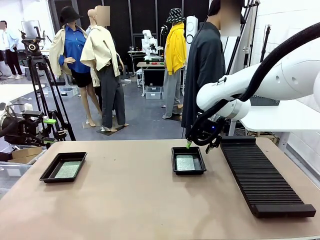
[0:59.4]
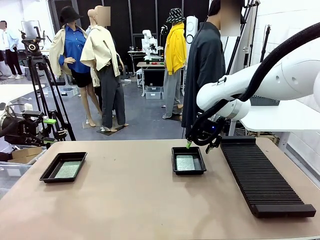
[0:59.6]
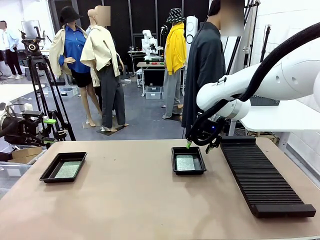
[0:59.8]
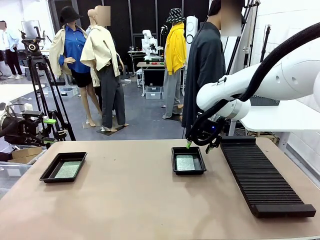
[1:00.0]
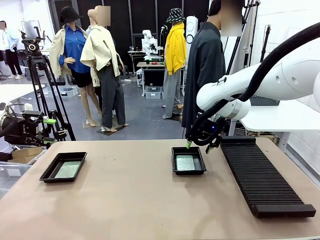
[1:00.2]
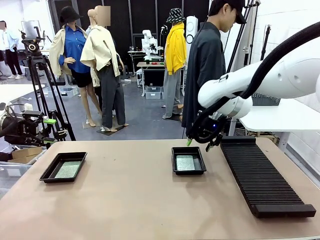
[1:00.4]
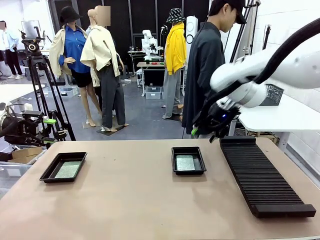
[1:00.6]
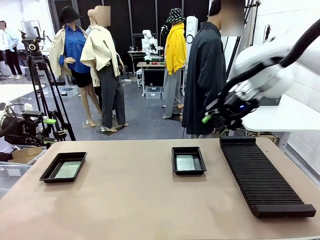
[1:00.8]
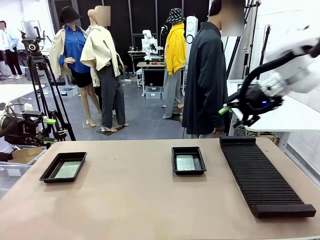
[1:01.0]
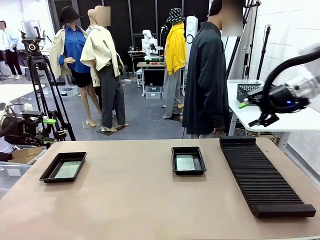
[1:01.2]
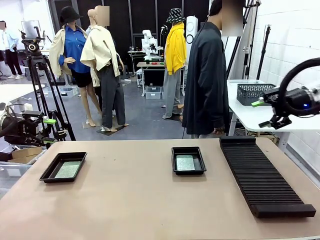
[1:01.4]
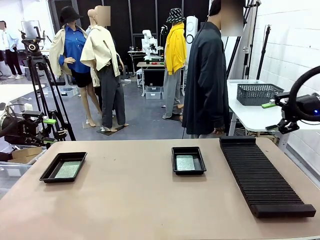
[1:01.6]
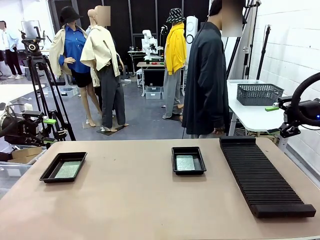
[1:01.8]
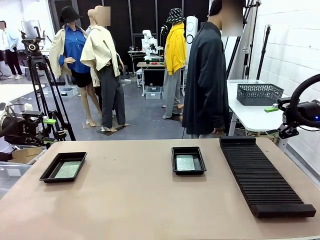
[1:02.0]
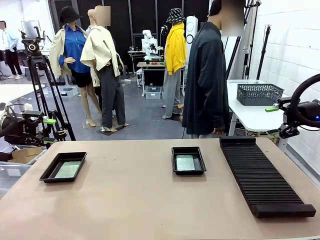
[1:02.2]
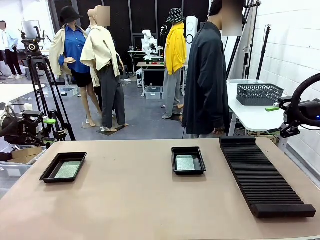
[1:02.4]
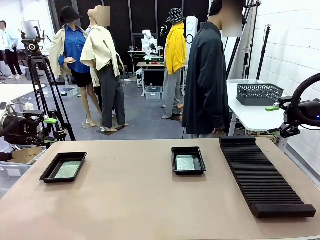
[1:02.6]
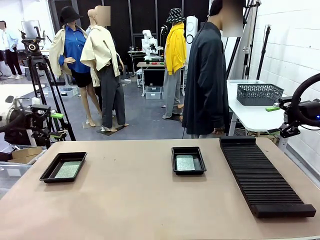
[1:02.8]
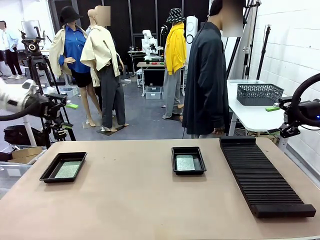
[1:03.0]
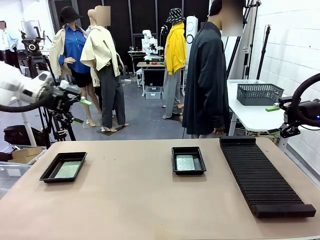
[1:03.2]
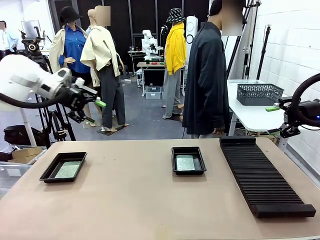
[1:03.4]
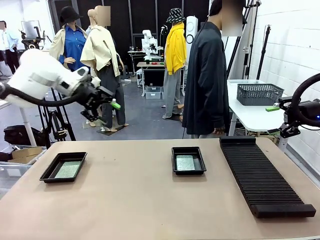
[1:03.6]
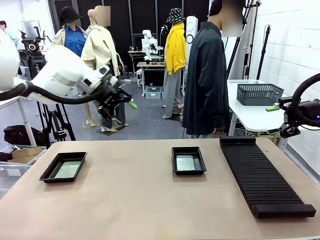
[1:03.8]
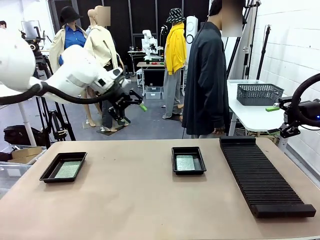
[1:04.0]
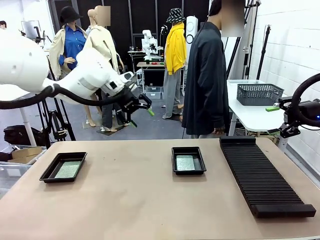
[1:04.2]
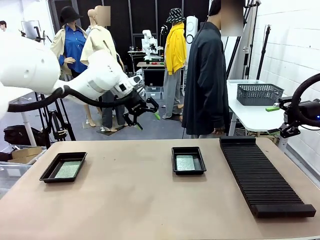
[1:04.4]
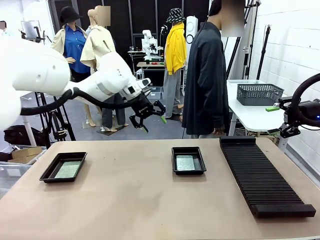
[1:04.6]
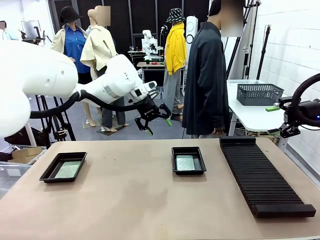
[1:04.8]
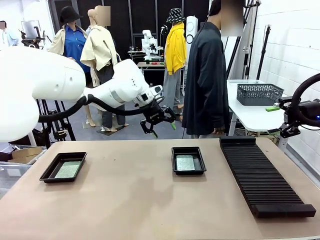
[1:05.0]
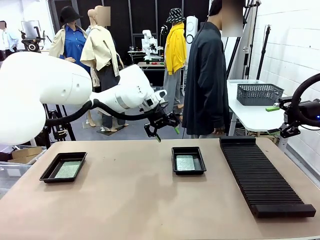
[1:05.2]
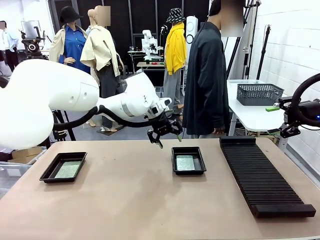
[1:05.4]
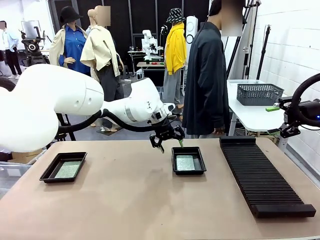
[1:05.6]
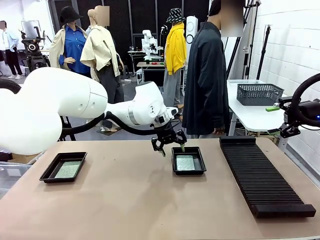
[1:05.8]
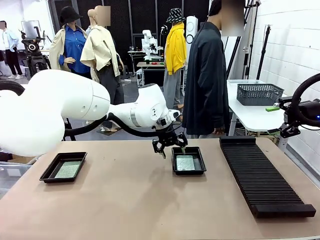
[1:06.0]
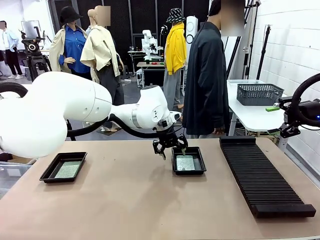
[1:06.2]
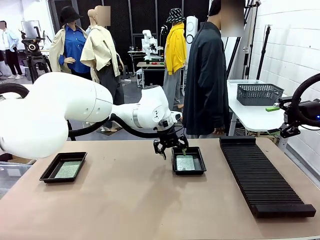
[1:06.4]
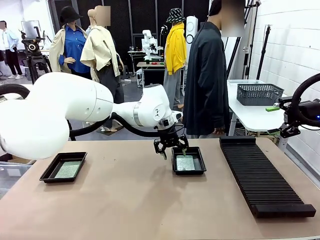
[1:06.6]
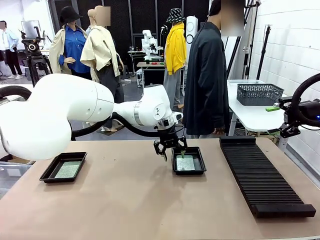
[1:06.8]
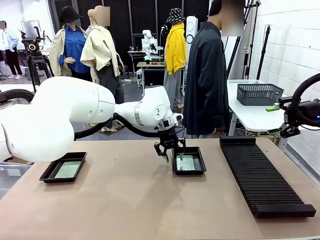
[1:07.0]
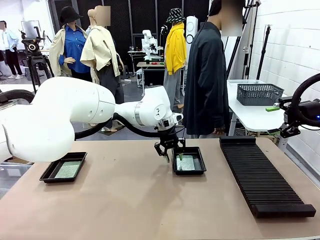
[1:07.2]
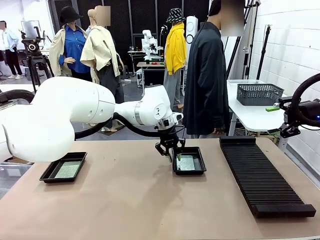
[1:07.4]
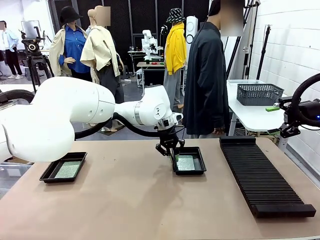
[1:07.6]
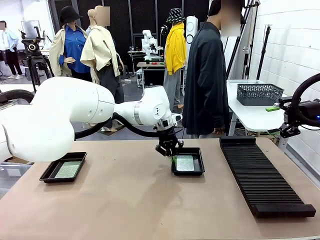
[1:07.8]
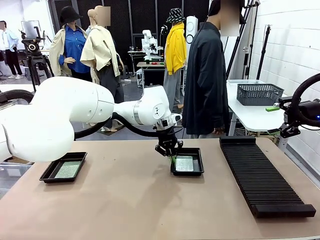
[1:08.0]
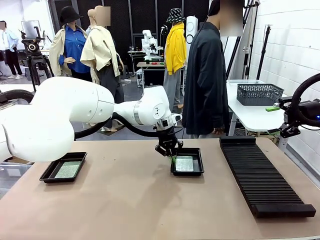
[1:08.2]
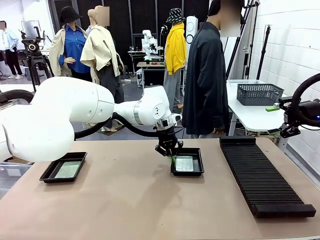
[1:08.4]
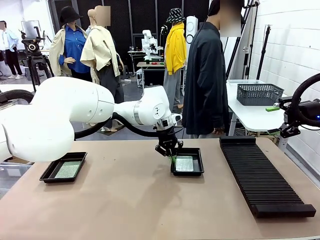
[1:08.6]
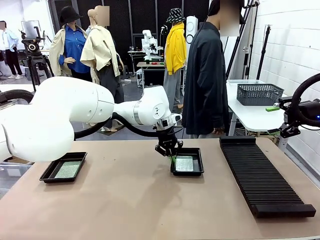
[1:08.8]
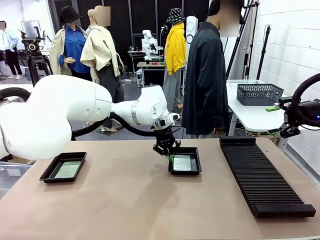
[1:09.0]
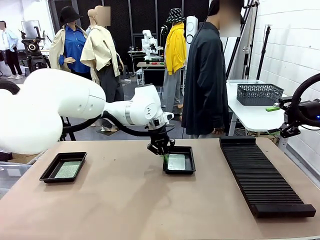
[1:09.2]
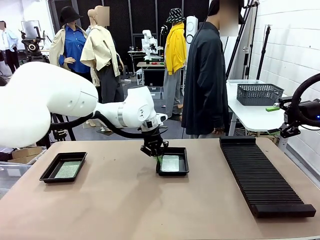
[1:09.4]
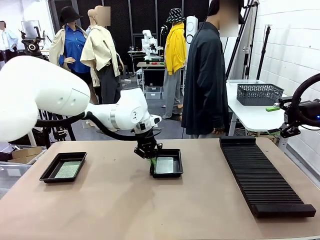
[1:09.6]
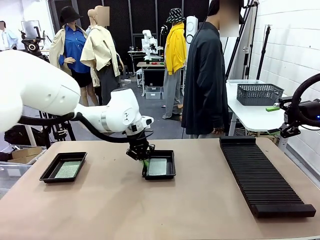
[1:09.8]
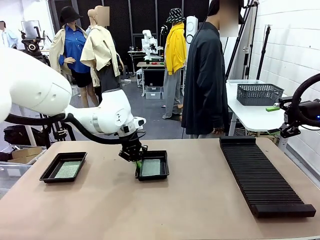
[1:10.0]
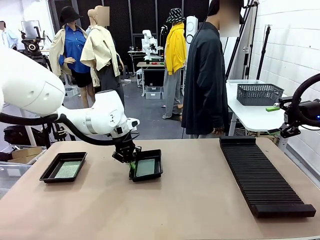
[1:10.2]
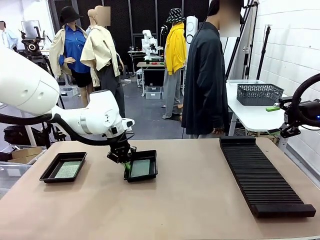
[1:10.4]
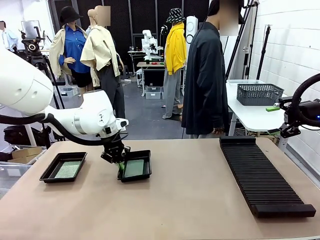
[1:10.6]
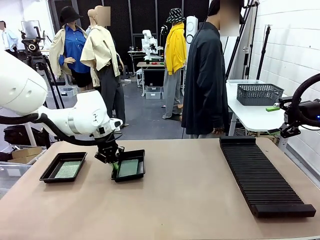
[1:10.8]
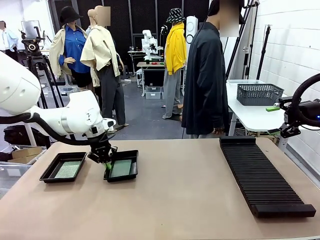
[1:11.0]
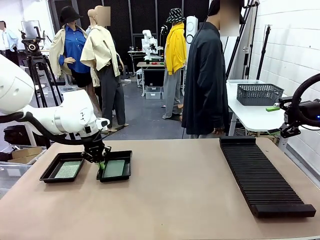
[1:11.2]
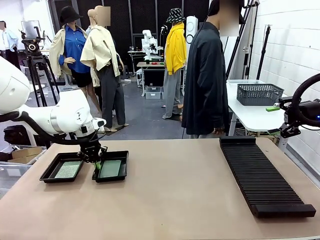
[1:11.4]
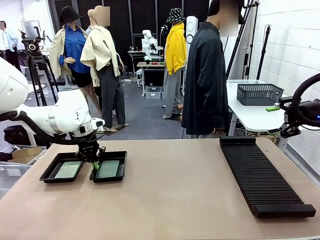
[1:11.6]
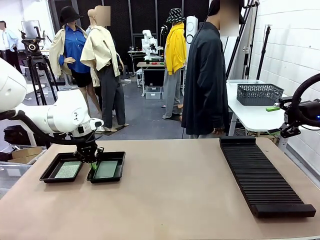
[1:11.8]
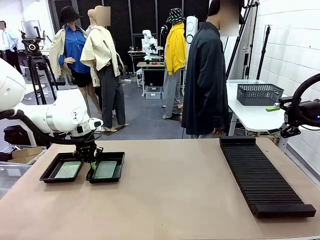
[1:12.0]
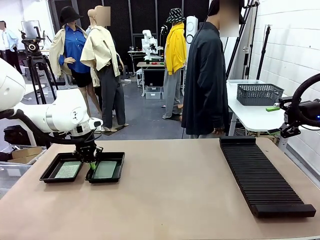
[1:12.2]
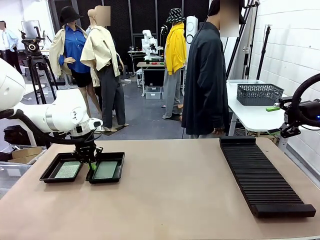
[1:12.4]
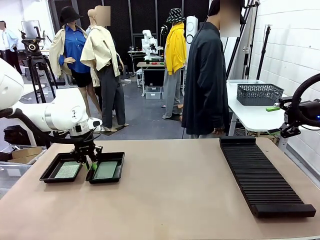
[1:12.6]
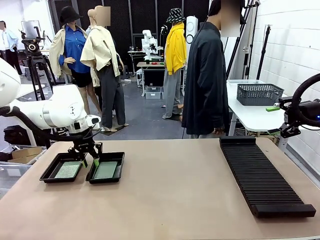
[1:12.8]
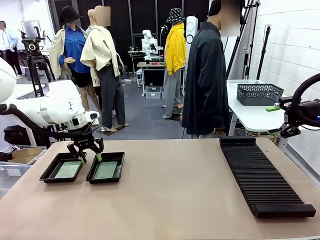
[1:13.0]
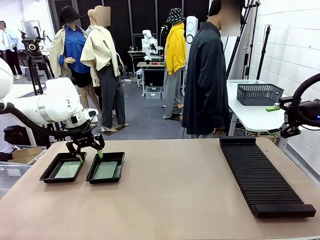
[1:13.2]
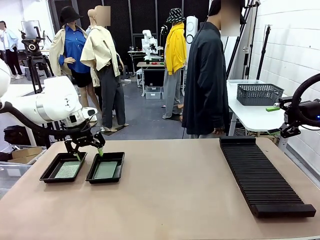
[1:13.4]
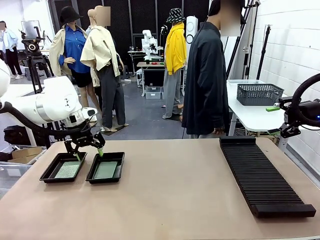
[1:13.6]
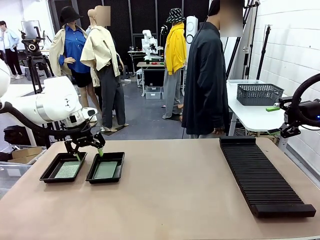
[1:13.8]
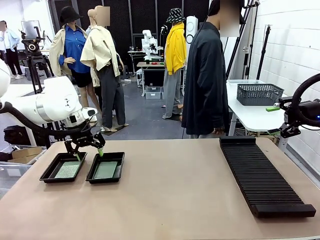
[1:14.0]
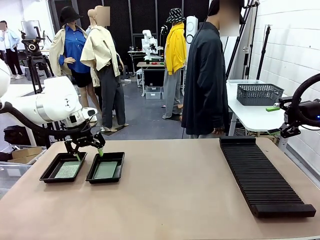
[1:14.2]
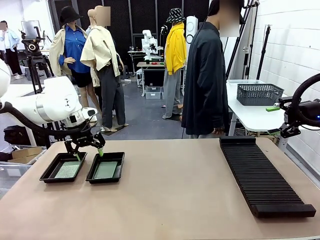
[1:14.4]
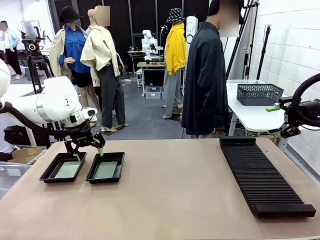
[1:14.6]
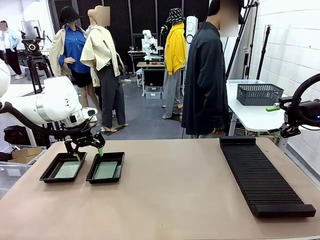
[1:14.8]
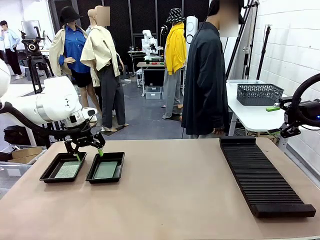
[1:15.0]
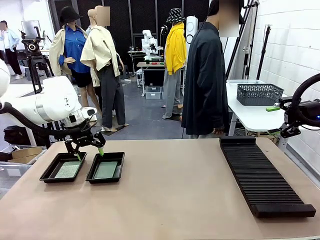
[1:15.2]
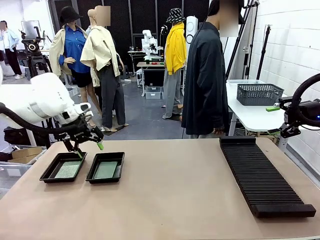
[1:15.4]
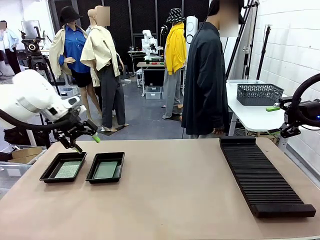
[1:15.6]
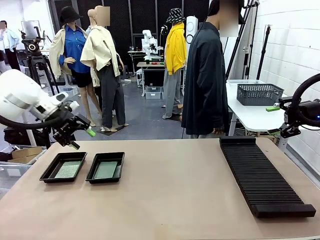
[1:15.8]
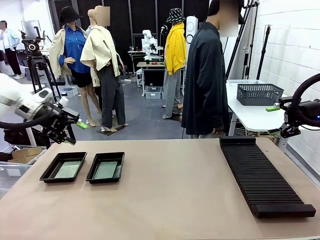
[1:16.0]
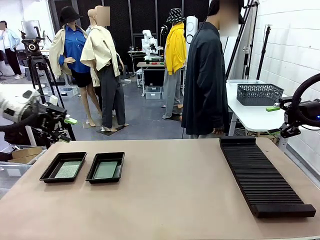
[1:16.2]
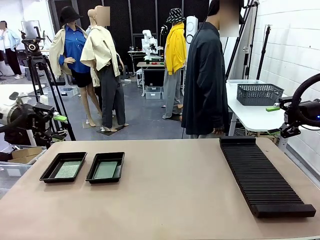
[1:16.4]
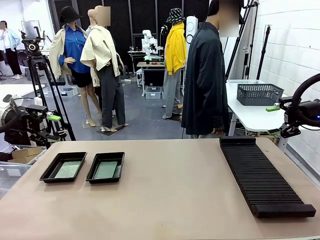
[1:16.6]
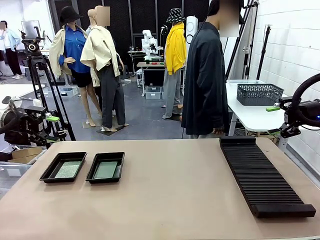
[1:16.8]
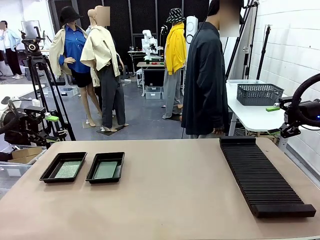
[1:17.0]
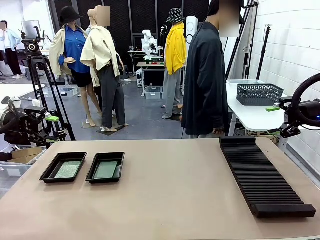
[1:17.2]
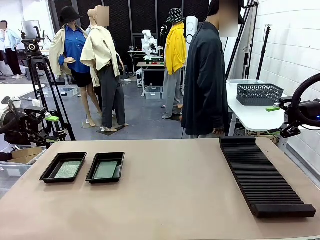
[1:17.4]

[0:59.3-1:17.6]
Task: Inspect and transfer BCBs to ESD trays.
Robot: Pick up the ESD tray and place it on the left side of the table.

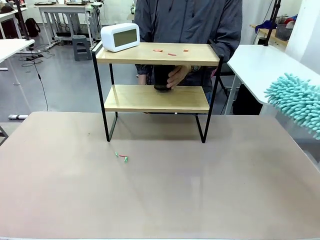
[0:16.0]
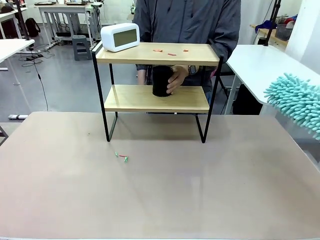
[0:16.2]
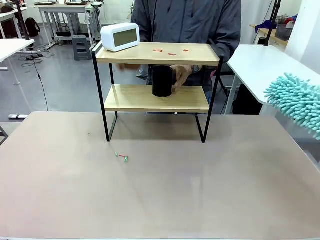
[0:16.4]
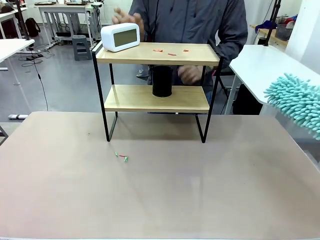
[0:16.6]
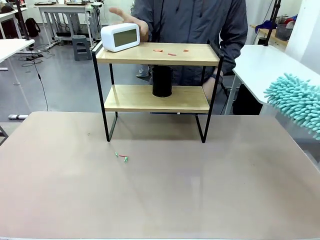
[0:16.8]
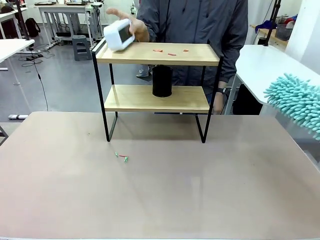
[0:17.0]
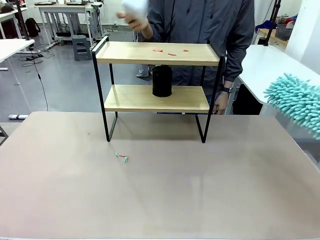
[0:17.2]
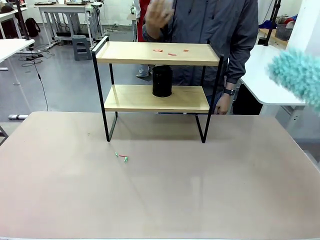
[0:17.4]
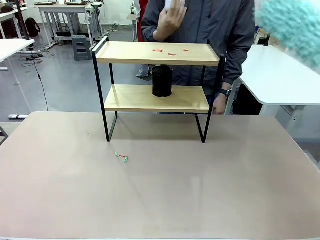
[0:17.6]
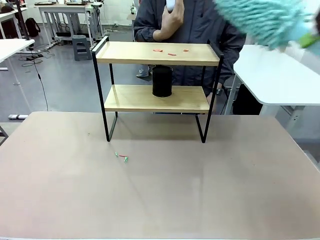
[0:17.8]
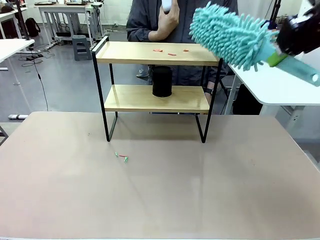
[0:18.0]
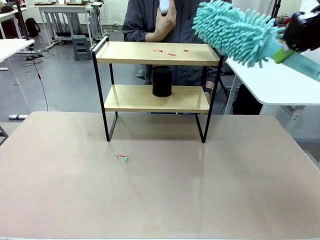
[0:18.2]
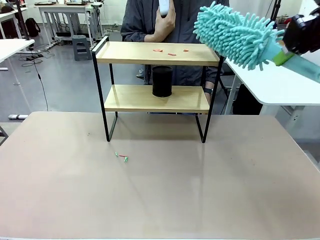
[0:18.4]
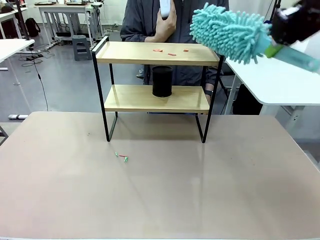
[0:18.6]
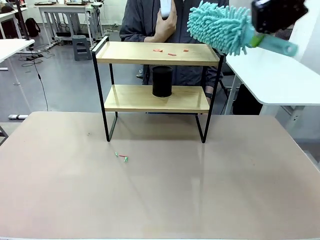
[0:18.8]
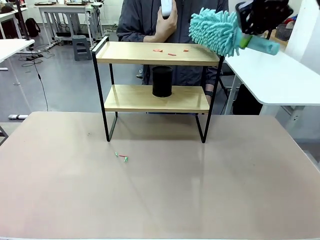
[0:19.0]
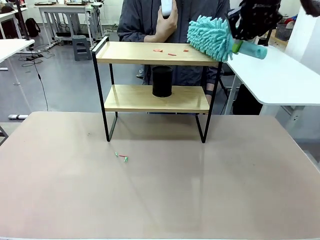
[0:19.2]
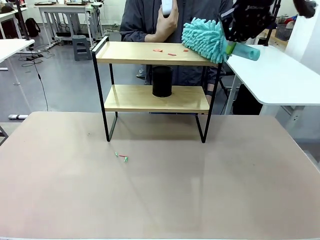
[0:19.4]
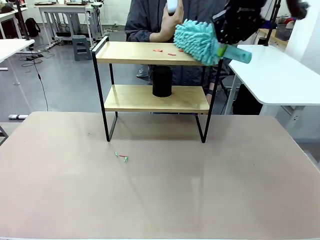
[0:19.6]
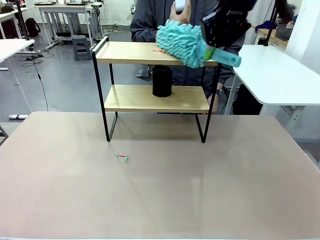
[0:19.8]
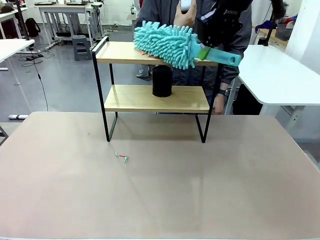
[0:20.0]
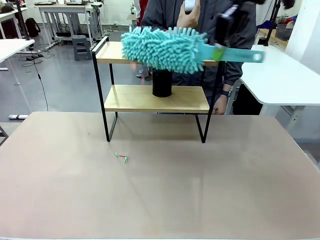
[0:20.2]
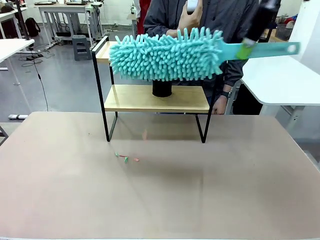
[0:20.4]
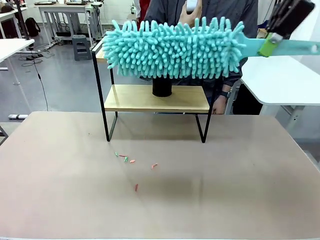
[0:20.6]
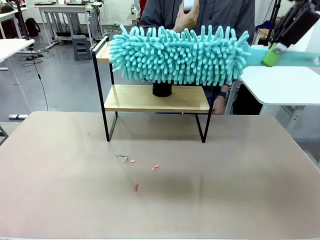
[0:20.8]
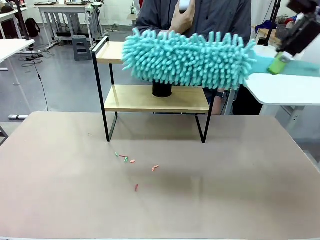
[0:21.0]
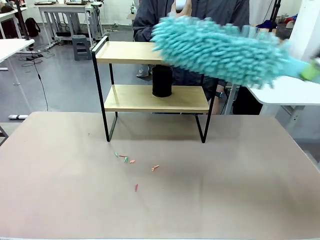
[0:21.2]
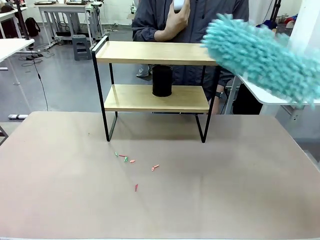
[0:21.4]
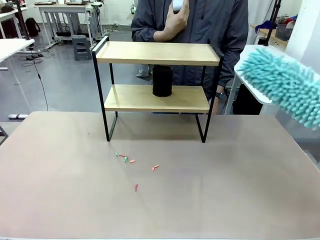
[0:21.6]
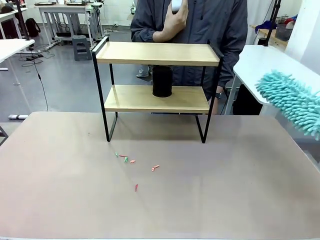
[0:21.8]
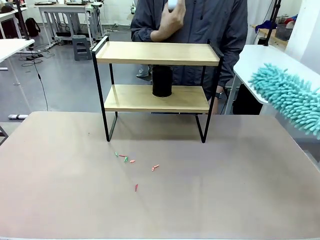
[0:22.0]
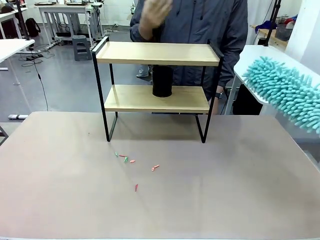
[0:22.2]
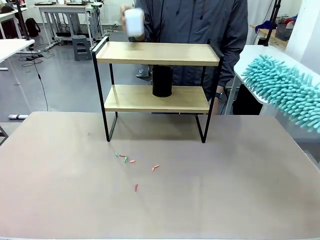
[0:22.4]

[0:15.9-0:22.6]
Task: Clean the shelf.
Robot: Clean the remaining tier of the Shelf with the Duster once objects are removed.
